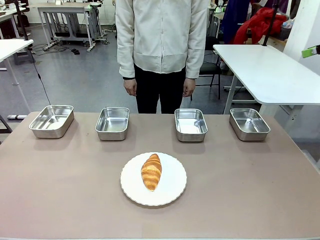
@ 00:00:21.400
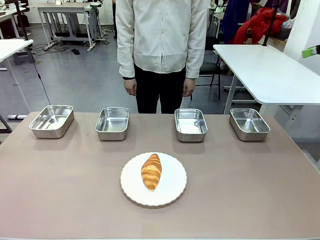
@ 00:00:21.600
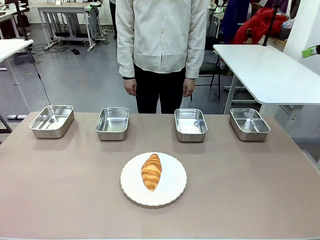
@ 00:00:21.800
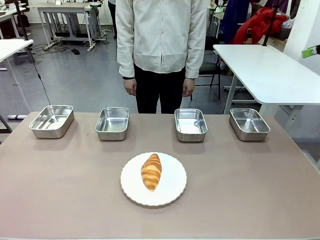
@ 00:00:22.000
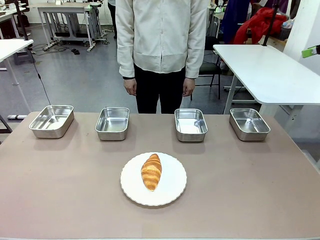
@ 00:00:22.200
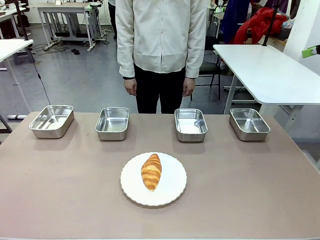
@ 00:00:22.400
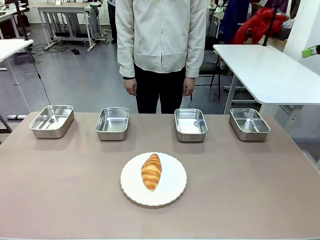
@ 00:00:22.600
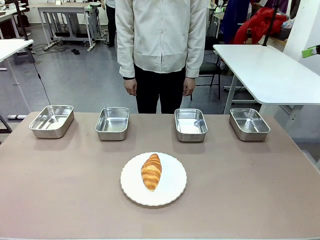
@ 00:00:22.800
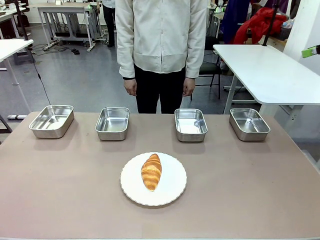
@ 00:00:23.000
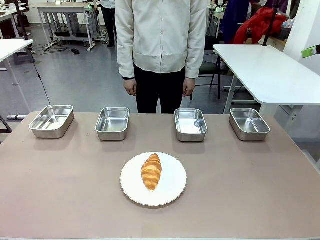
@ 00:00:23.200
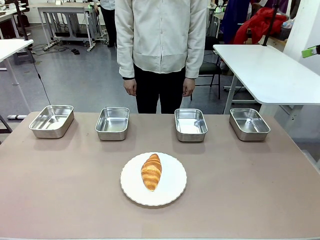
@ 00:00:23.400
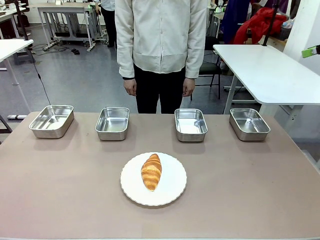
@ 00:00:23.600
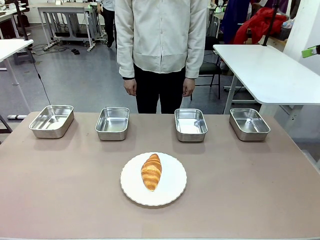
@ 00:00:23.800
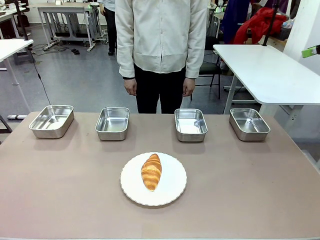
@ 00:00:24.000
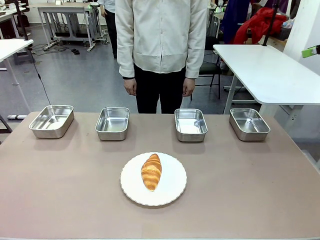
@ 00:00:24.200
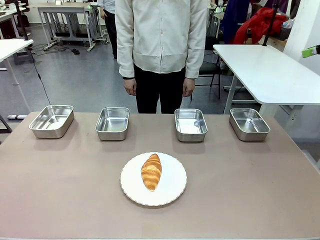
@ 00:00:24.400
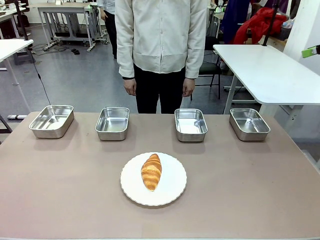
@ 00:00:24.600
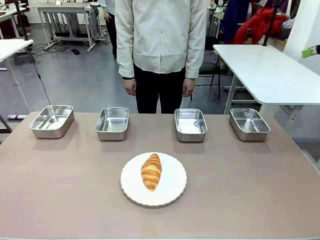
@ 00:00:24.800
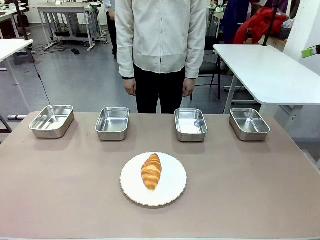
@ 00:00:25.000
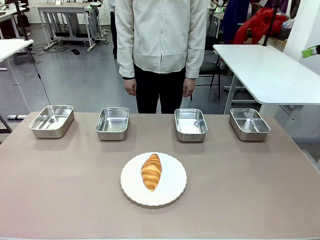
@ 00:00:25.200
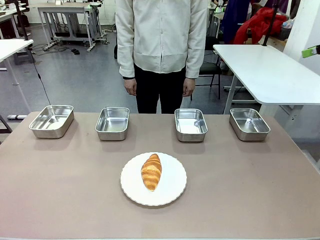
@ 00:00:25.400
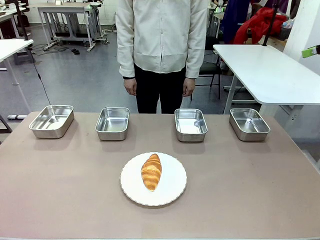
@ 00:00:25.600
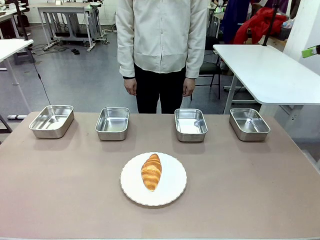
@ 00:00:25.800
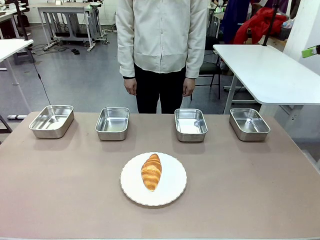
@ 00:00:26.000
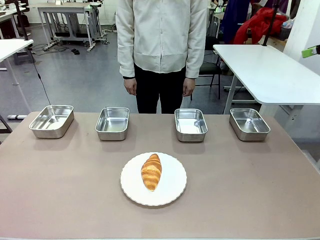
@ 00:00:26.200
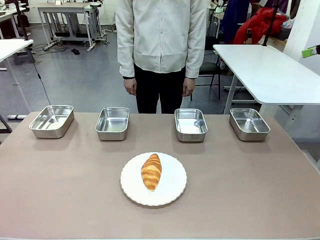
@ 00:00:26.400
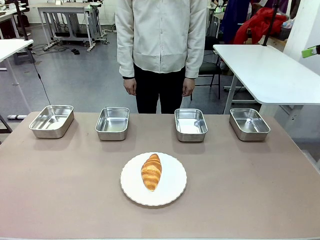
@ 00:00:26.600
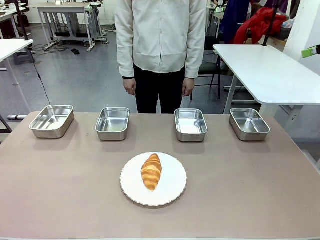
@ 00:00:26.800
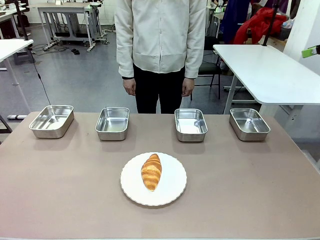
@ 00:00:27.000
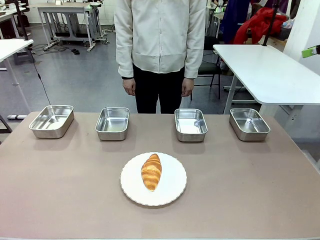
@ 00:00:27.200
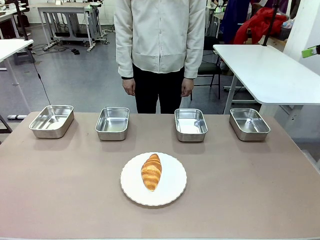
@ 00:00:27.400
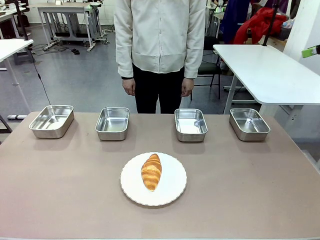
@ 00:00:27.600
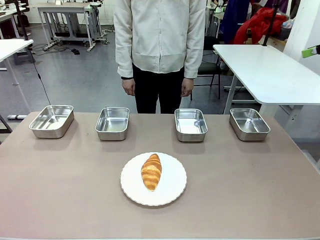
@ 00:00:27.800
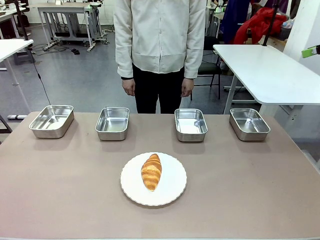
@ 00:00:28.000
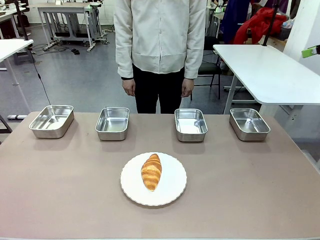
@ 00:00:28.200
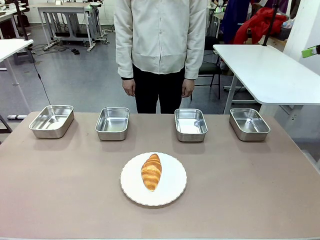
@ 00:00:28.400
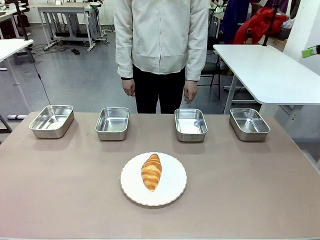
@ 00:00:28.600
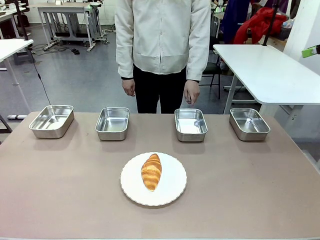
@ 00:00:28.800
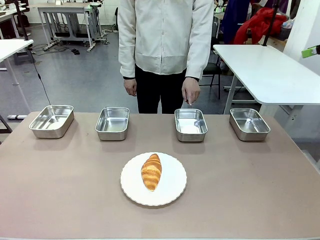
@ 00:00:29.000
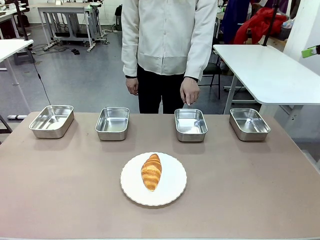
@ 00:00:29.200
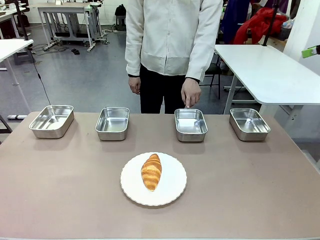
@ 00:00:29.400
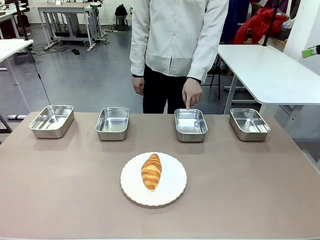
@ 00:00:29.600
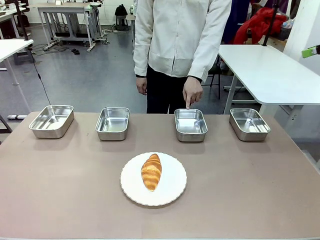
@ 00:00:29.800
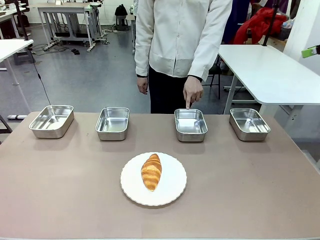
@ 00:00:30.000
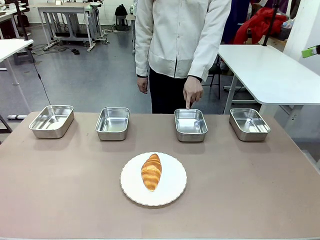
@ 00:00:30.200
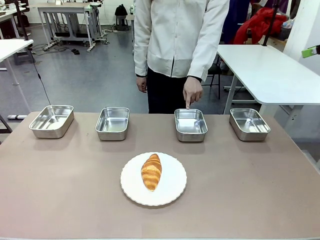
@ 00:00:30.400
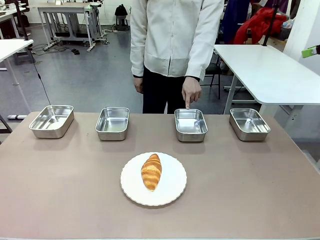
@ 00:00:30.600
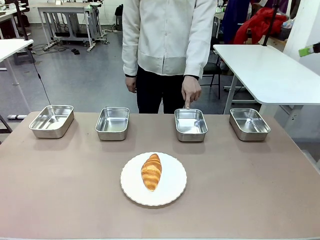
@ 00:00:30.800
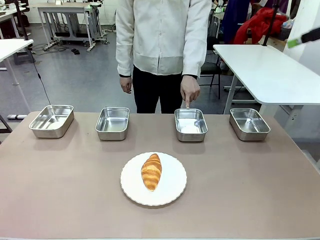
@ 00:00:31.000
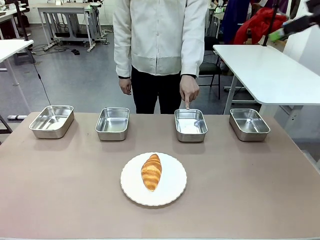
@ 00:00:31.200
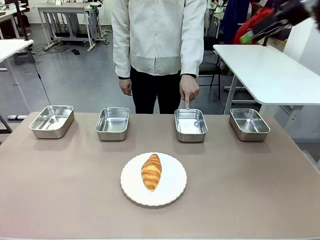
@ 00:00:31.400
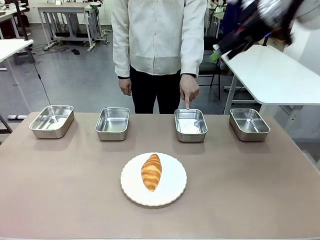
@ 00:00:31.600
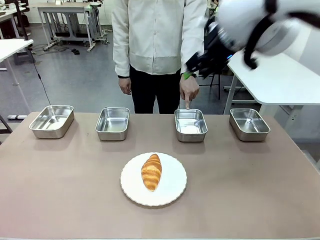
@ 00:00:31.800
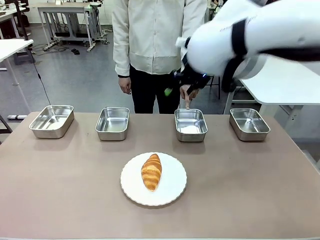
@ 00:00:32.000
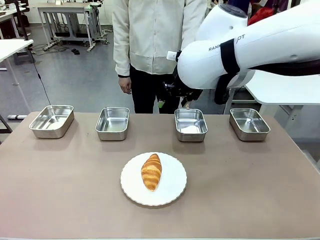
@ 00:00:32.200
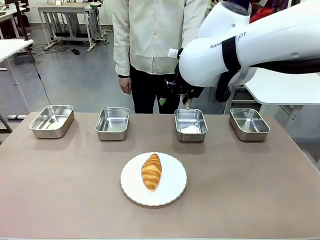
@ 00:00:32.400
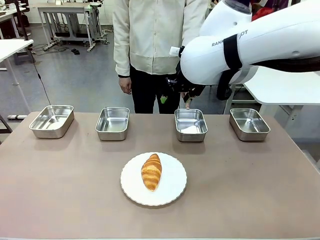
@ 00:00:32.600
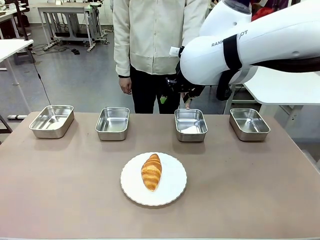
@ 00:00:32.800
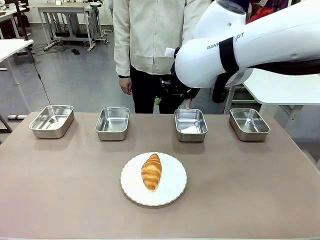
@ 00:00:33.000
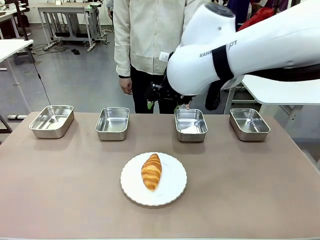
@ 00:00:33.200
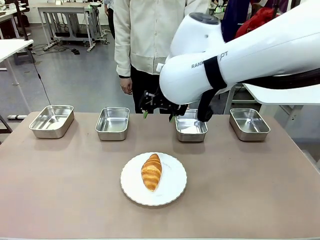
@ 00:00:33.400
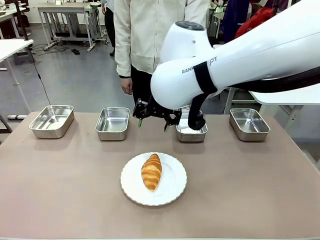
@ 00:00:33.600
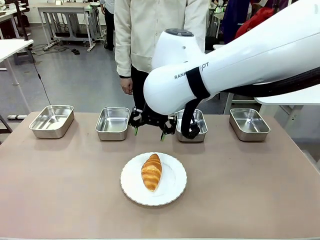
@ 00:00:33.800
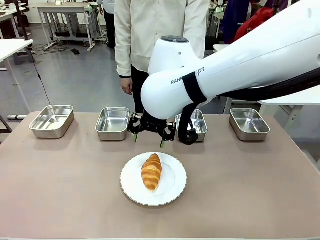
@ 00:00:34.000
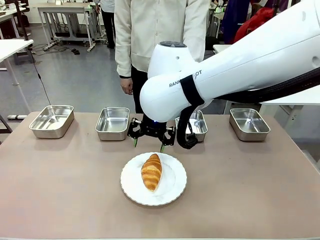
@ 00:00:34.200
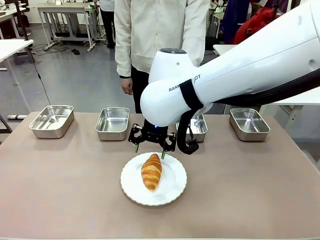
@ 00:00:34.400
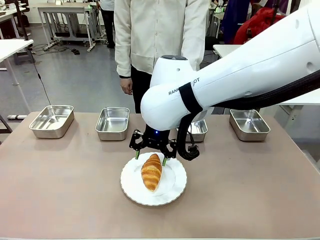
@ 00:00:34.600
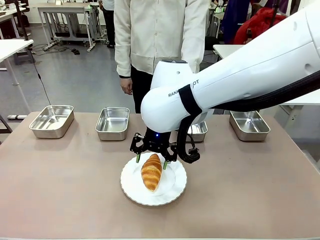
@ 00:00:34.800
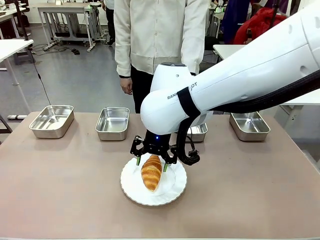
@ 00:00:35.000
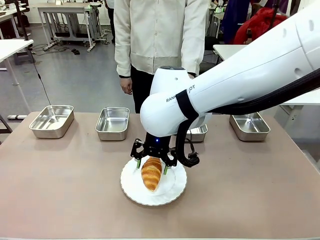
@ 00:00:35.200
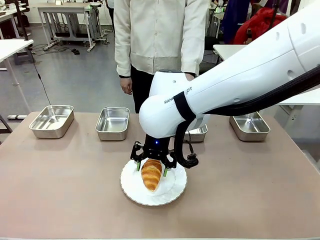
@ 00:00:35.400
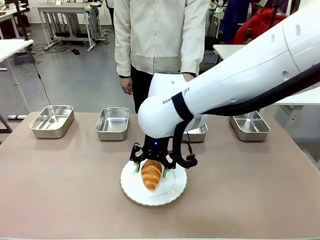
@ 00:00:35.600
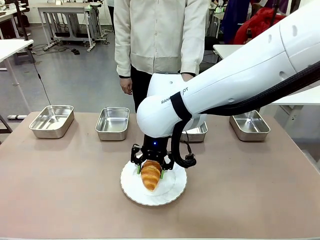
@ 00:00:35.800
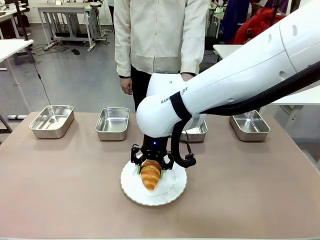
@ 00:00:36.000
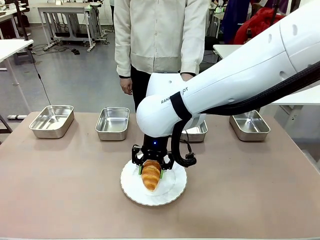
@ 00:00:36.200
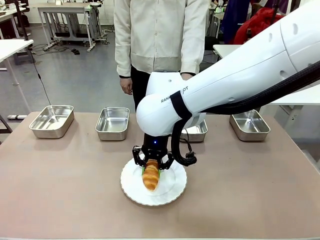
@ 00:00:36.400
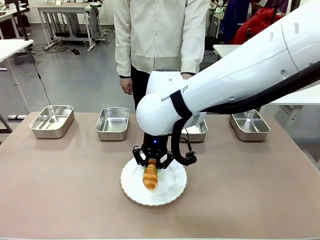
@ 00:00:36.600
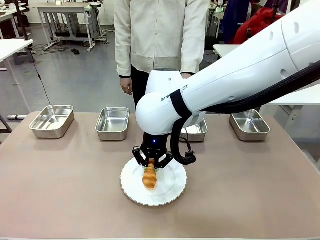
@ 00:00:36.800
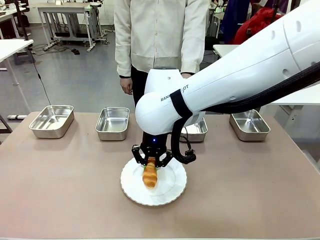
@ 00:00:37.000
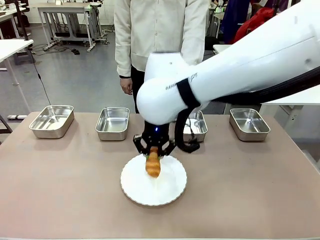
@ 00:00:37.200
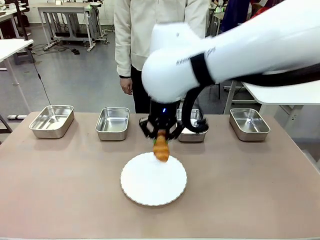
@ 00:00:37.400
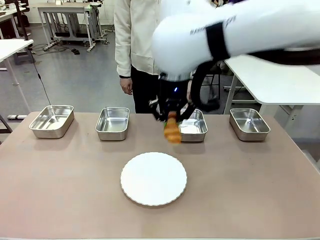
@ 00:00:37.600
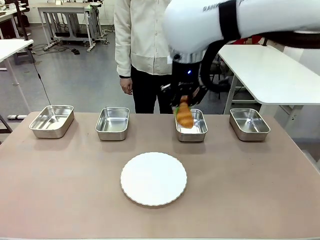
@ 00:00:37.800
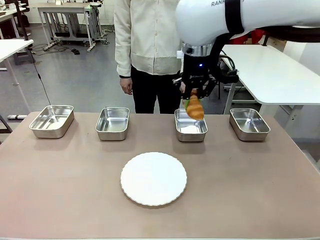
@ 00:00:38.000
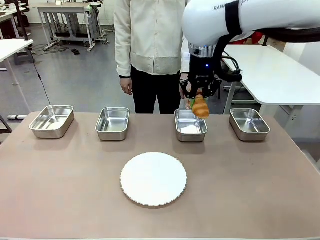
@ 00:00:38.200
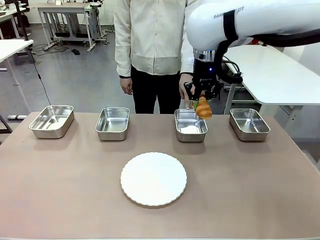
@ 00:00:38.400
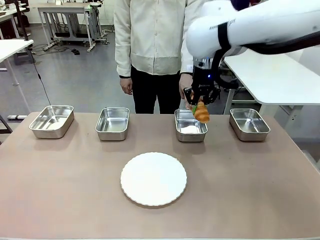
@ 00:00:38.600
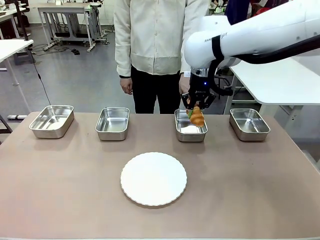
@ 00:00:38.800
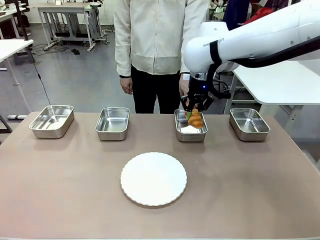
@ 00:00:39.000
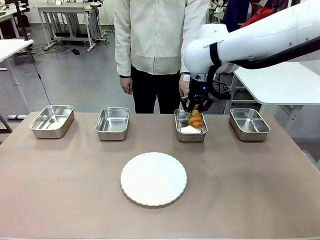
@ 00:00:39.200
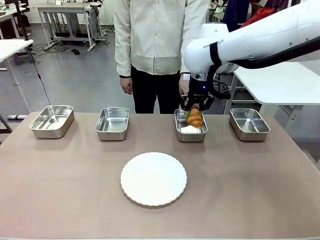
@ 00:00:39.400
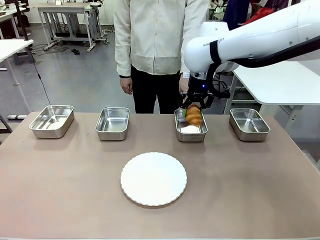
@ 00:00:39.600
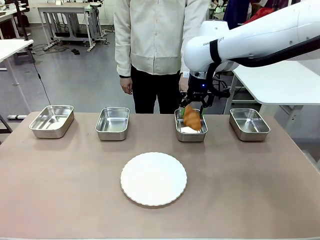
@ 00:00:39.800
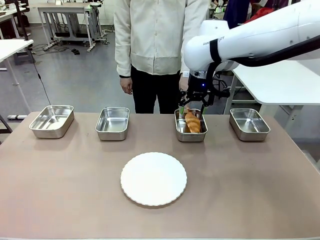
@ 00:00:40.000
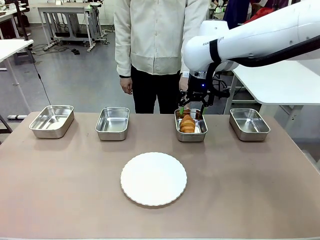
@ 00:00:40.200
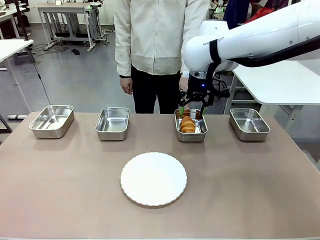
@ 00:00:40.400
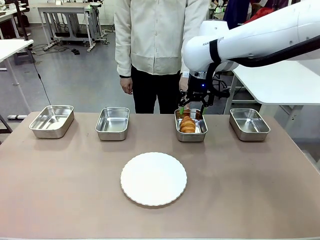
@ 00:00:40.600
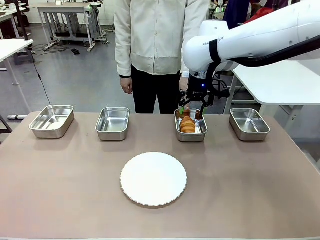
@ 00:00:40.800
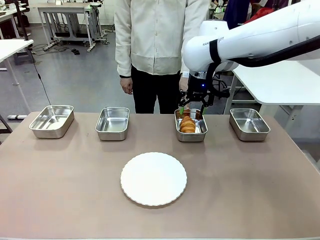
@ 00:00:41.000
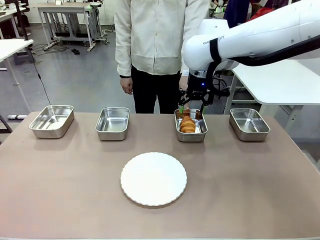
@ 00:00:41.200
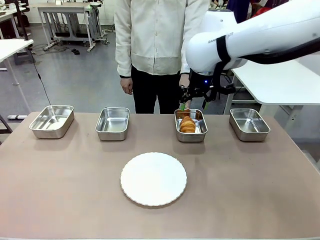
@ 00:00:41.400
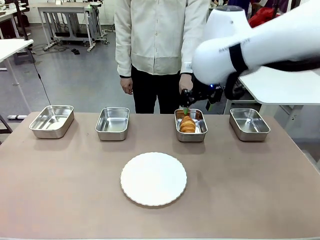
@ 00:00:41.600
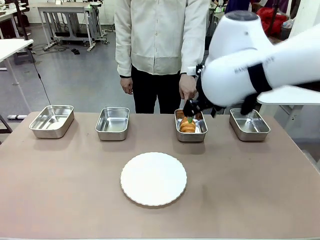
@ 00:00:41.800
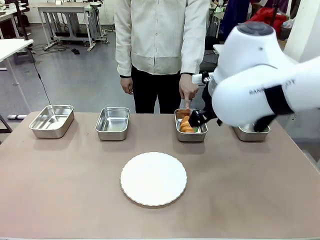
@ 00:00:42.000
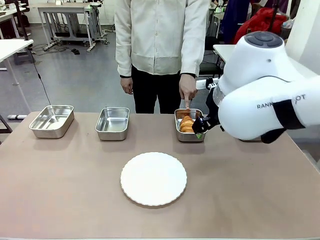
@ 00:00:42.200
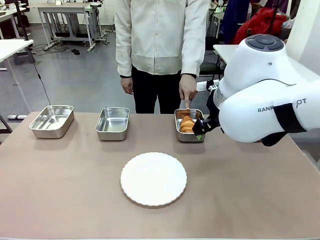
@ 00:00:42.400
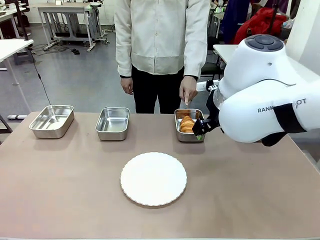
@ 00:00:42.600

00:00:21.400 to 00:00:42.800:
Task: Place the bread in the container.
Robot: Place the Butter Roll into the Airtight Container indicated by the human.
